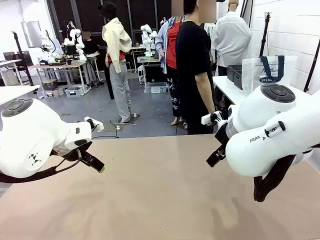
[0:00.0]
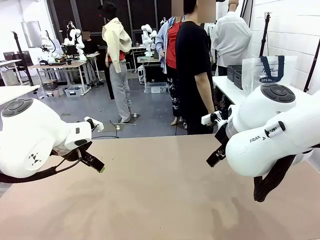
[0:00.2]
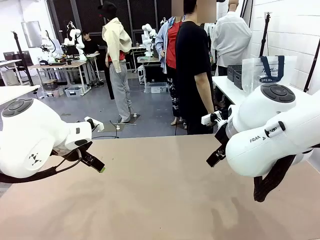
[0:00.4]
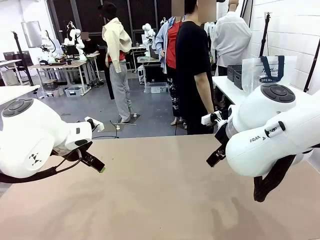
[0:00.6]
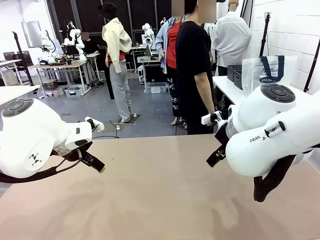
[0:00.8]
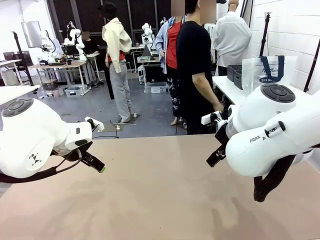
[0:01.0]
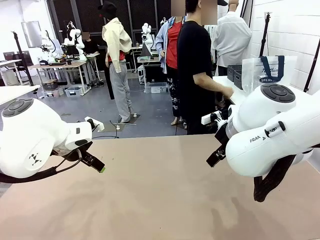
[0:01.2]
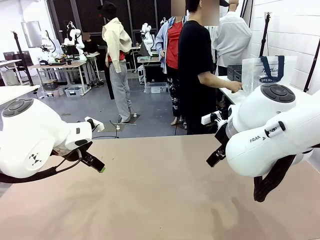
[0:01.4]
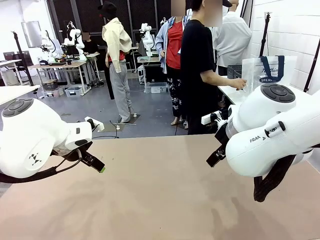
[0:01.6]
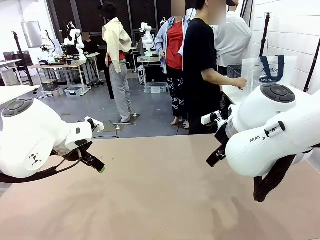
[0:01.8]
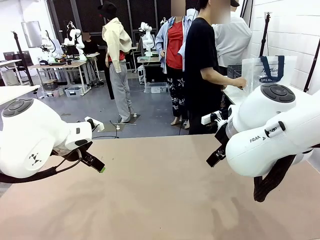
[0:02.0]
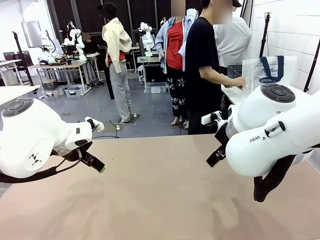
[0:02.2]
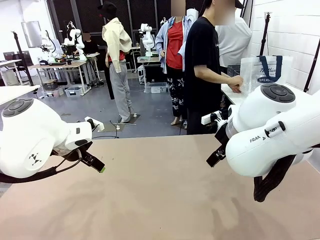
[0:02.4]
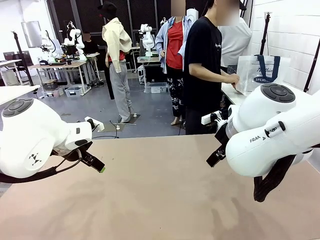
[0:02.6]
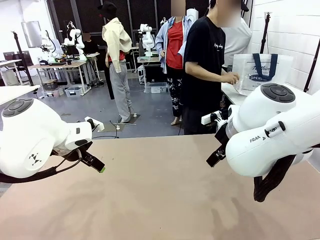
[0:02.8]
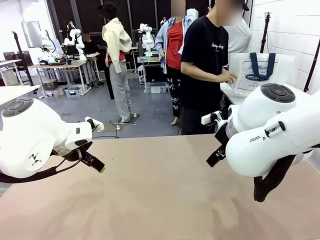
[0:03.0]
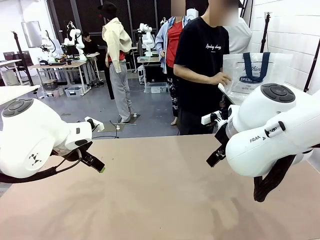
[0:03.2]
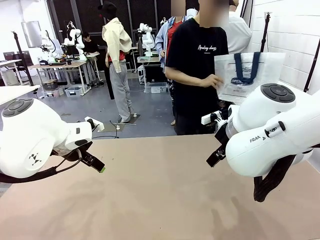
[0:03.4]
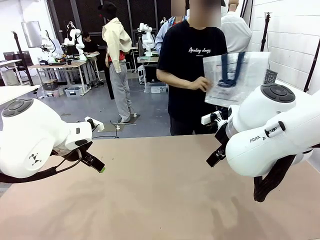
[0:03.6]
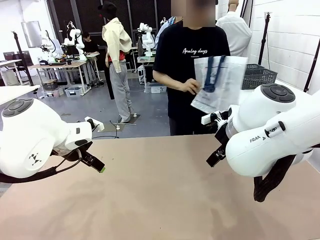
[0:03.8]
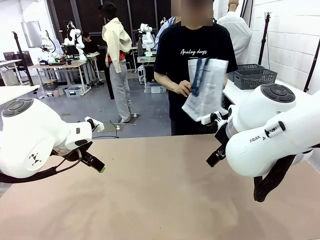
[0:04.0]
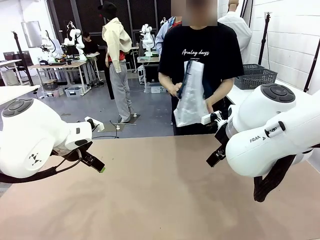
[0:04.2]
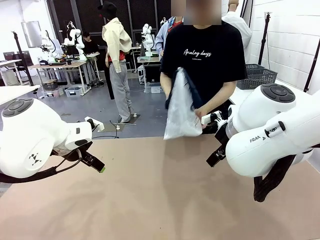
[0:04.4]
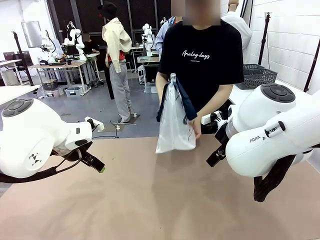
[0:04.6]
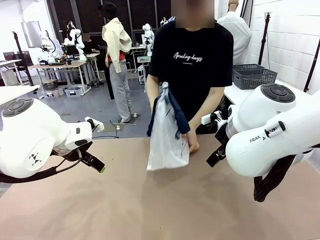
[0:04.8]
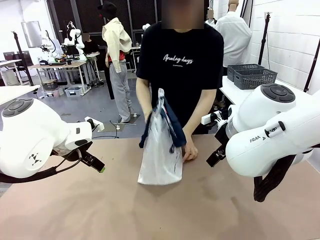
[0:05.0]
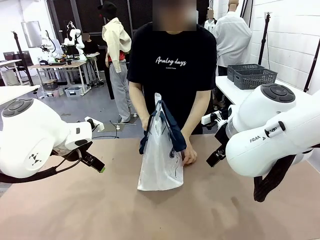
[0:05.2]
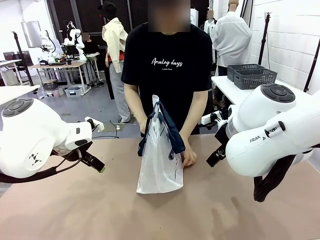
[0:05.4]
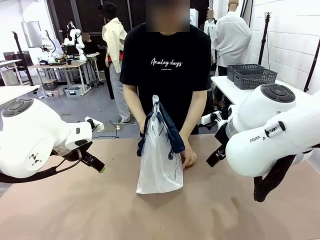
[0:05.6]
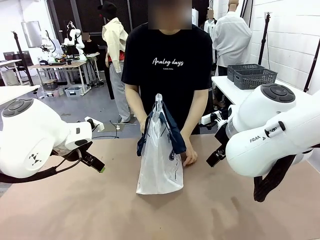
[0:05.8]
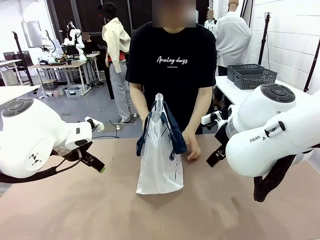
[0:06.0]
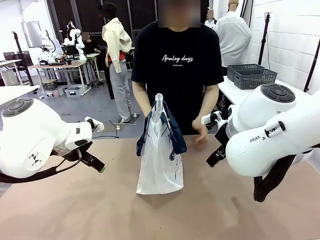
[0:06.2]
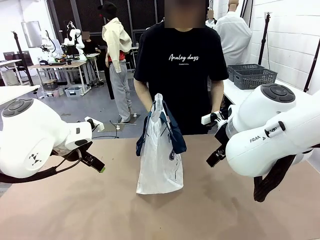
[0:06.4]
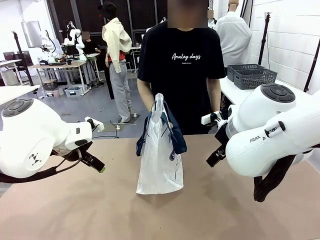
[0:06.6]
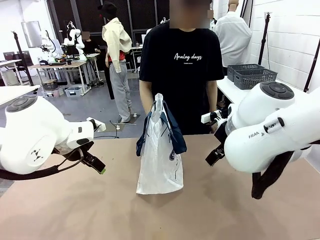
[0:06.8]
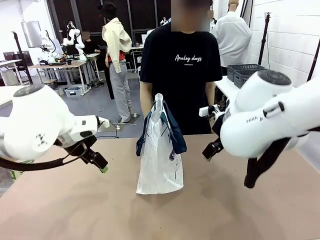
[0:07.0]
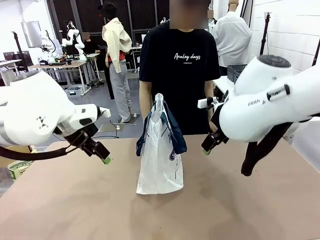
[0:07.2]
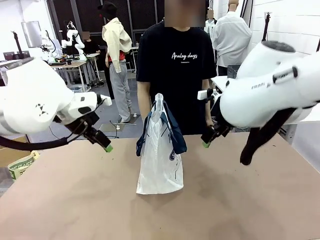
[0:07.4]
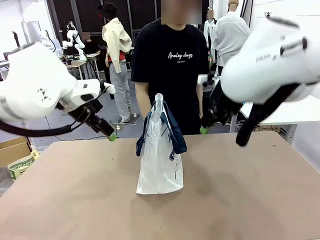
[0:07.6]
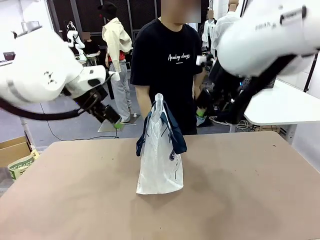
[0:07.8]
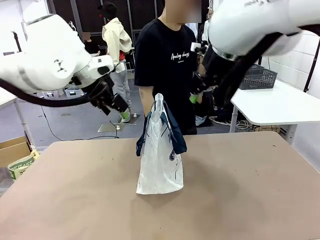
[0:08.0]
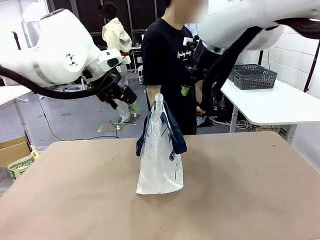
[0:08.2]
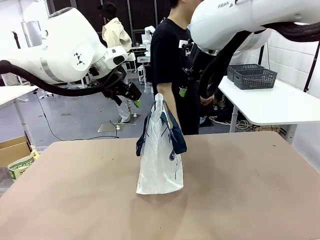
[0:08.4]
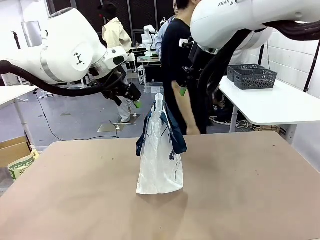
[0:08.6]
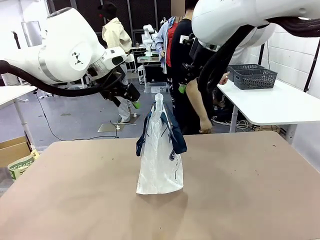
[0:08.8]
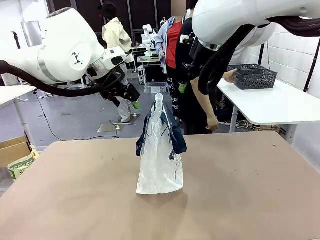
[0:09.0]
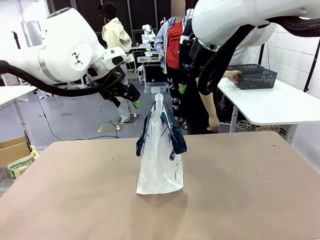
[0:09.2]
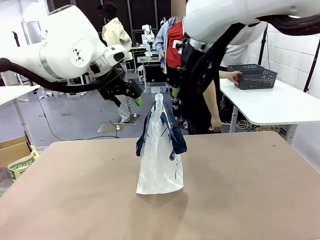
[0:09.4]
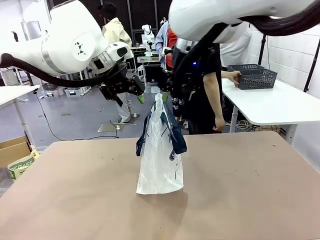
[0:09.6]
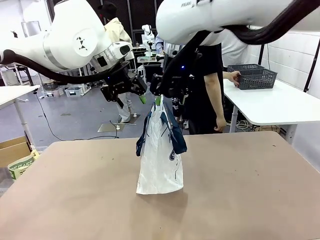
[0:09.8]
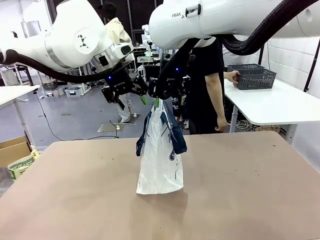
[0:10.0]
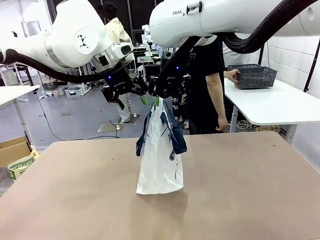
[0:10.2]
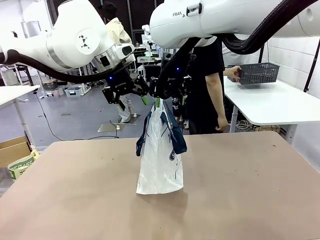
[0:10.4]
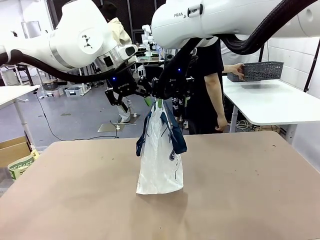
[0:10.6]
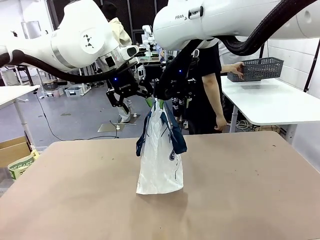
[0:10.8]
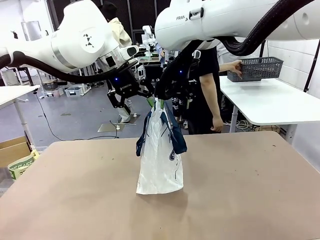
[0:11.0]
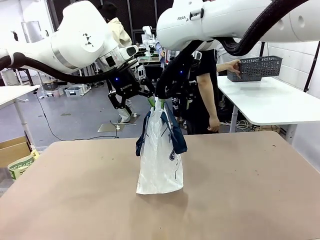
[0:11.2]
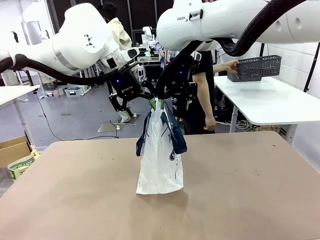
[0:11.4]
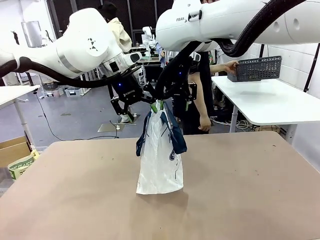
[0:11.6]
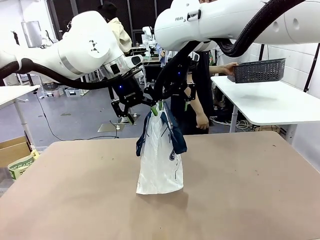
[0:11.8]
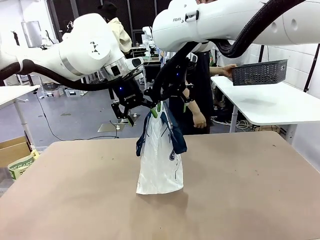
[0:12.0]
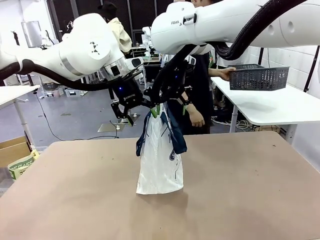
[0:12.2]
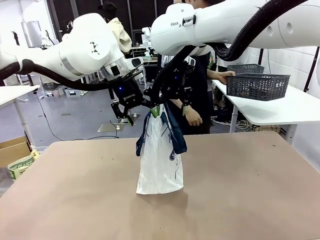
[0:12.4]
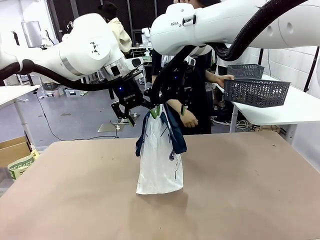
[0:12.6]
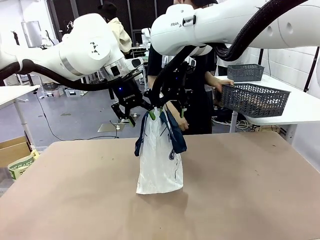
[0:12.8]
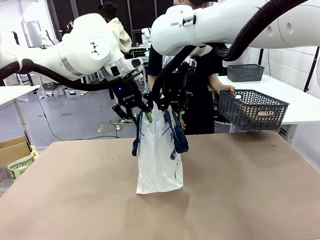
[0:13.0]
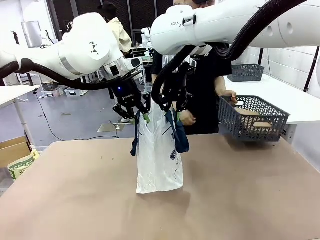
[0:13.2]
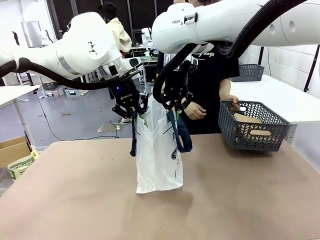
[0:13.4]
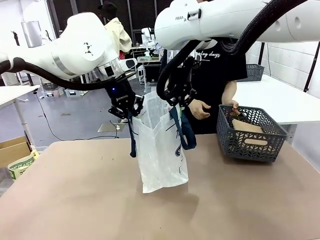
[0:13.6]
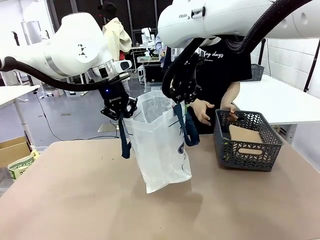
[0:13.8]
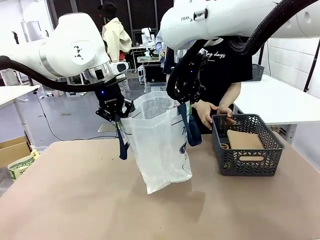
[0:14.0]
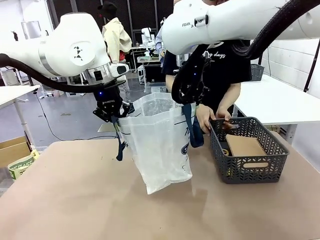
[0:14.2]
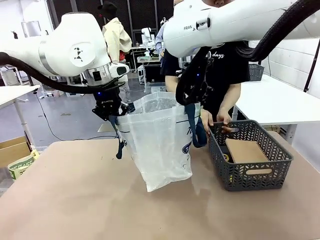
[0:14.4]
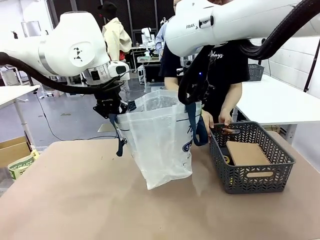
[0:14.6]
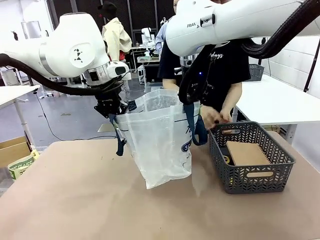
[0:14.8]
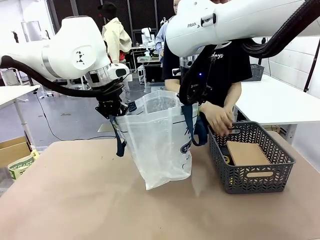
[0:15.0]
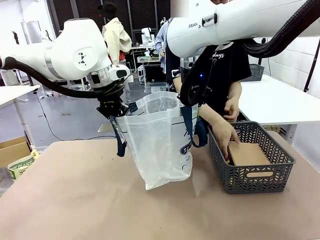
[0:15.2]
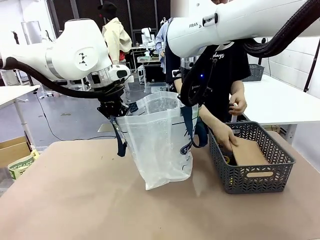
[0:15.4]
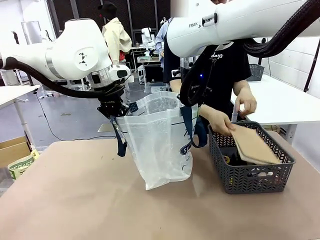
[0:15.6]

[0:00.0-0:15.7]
Task: Transfer purchased items from the store into the shopping bag.
Robot: Open the Reusable shopping bag in the center of the table.
Person: Pick up the shopping bag and place it in the middle of the robot table.
